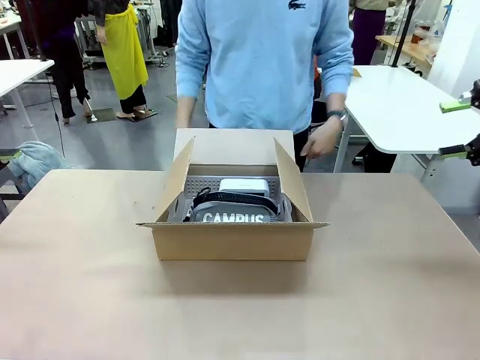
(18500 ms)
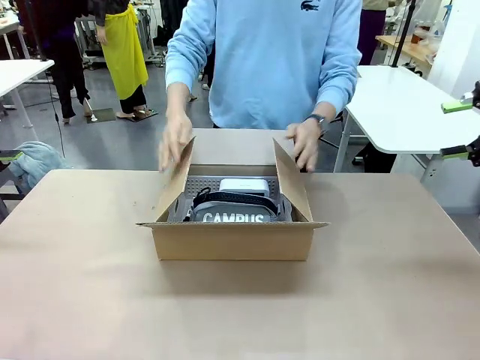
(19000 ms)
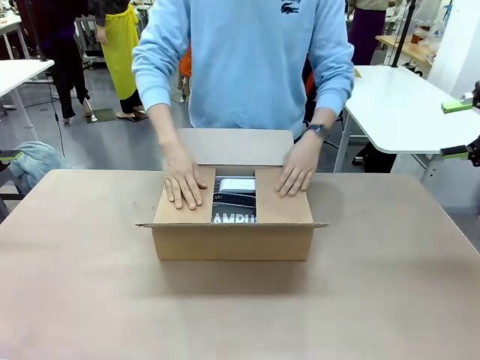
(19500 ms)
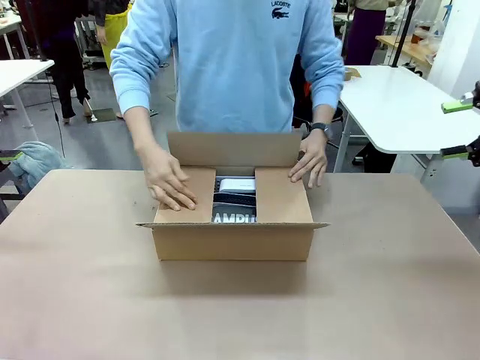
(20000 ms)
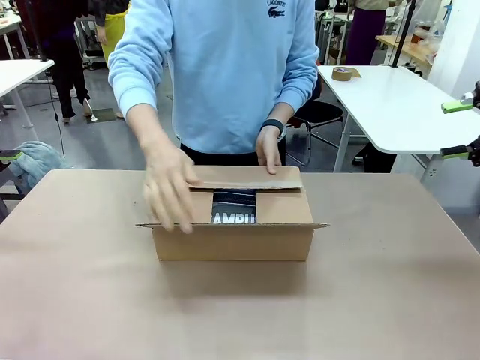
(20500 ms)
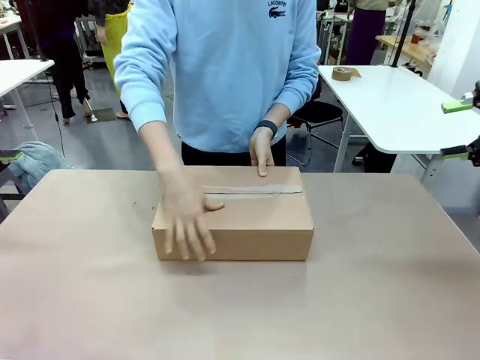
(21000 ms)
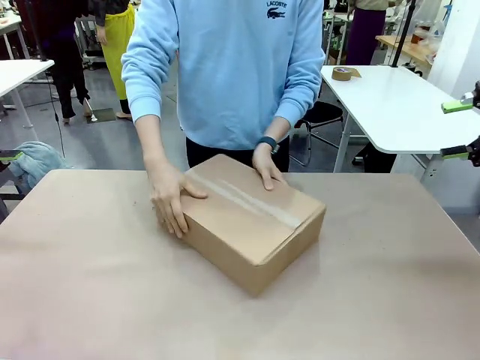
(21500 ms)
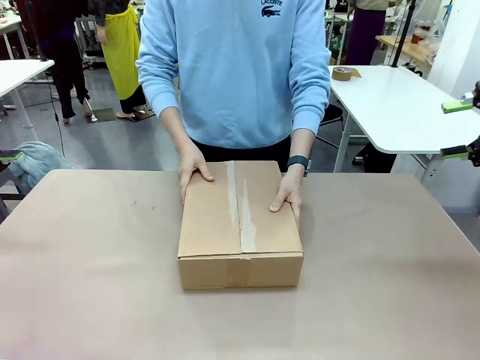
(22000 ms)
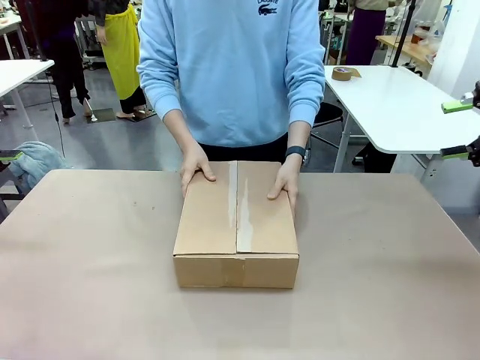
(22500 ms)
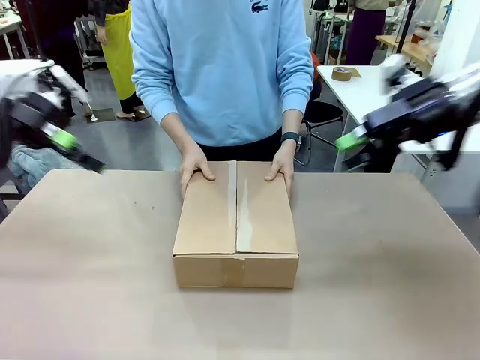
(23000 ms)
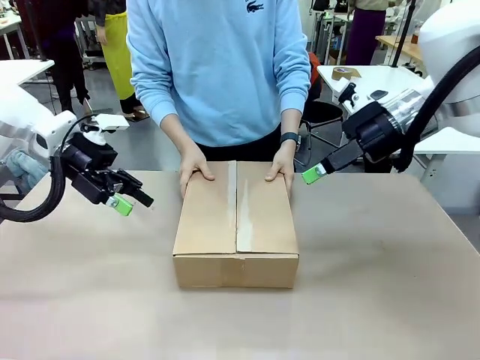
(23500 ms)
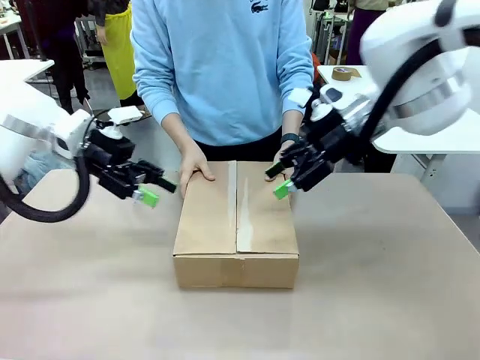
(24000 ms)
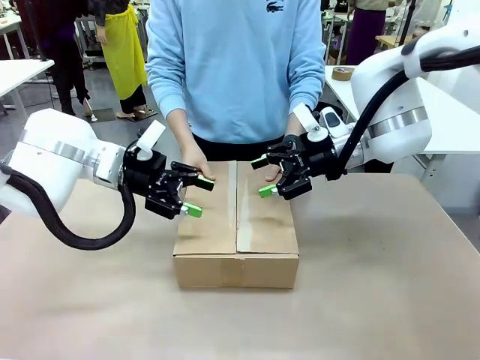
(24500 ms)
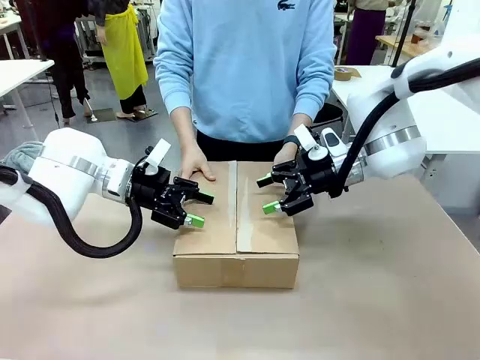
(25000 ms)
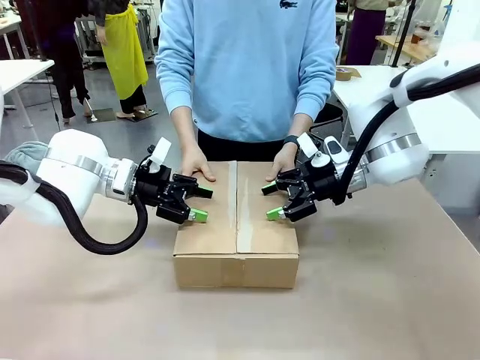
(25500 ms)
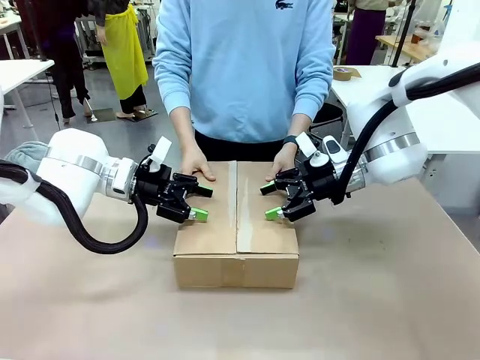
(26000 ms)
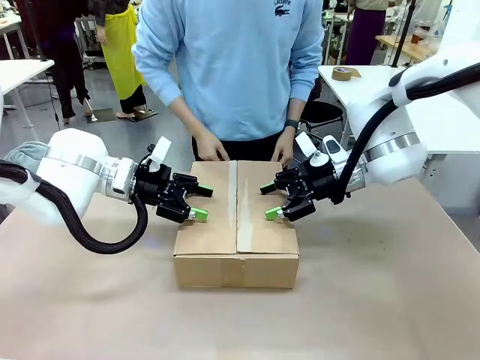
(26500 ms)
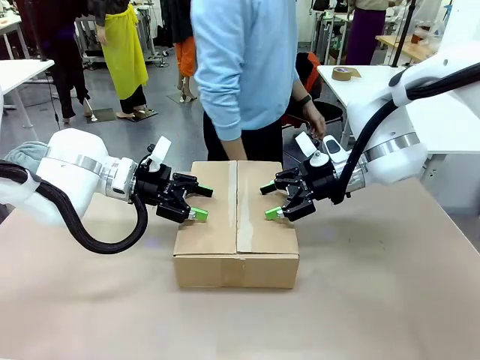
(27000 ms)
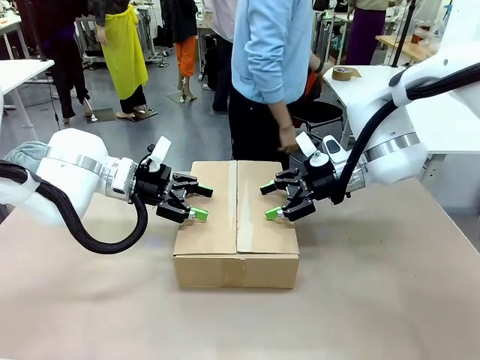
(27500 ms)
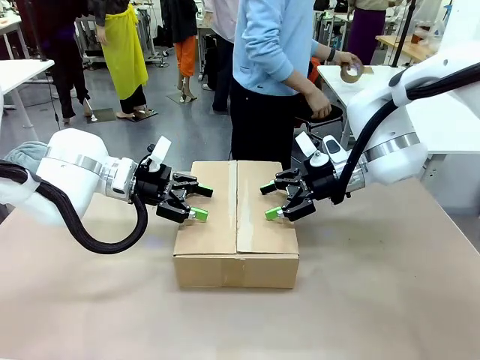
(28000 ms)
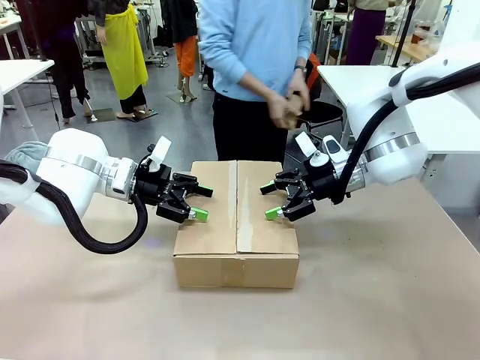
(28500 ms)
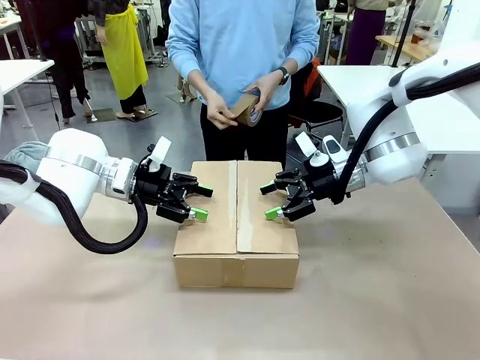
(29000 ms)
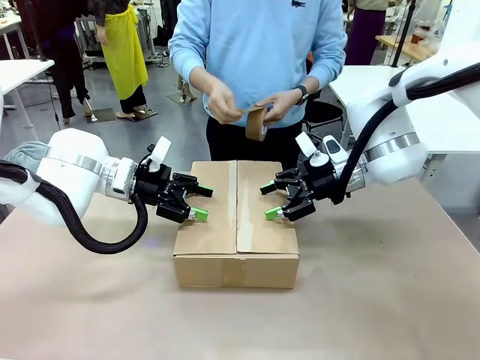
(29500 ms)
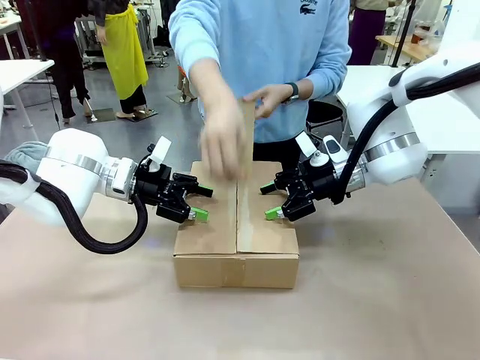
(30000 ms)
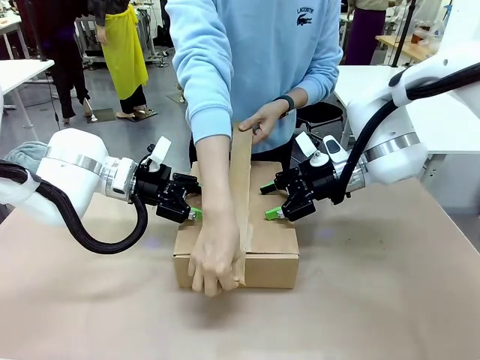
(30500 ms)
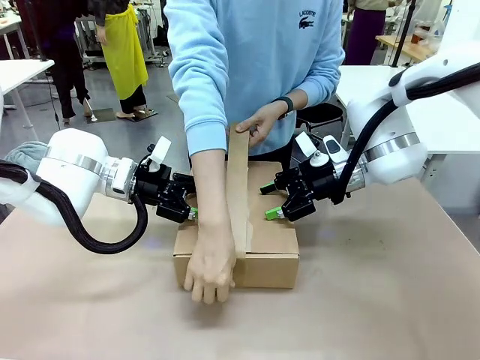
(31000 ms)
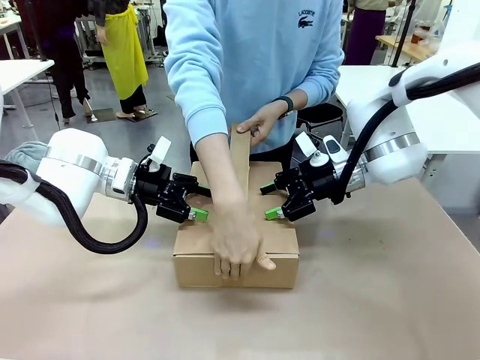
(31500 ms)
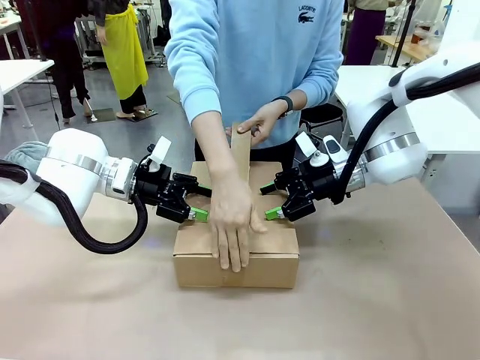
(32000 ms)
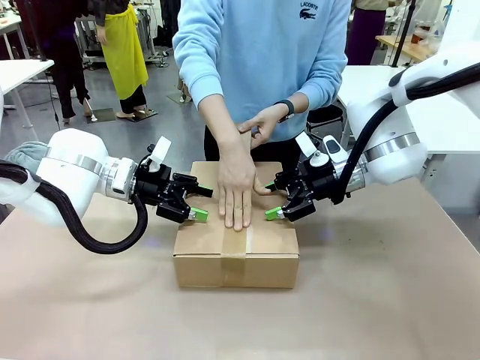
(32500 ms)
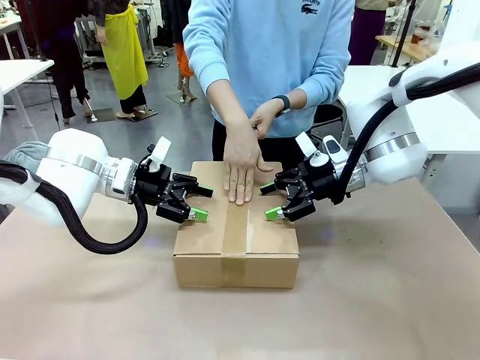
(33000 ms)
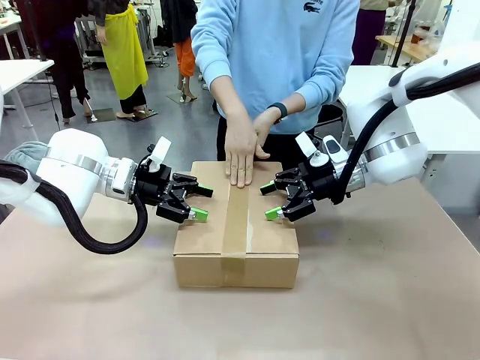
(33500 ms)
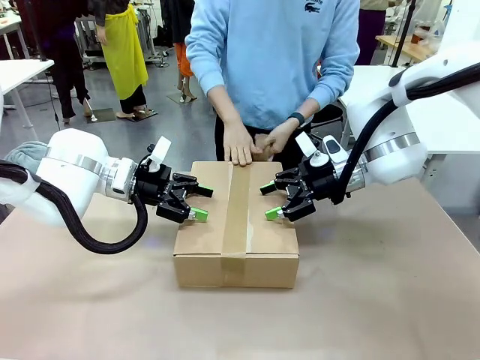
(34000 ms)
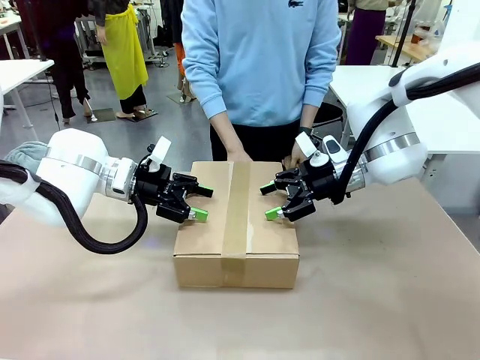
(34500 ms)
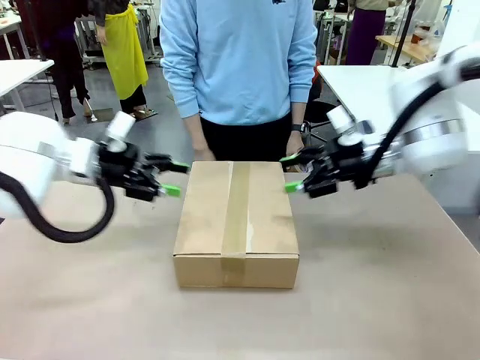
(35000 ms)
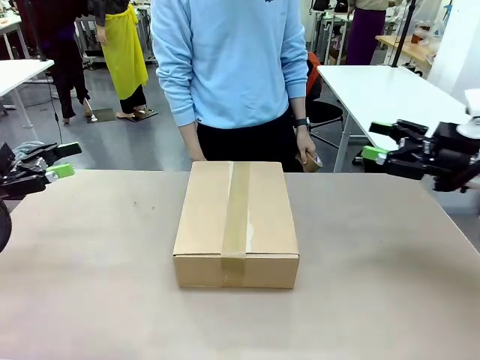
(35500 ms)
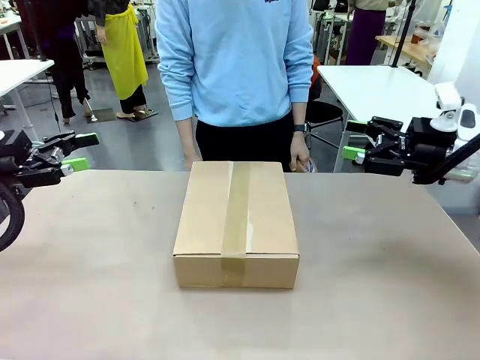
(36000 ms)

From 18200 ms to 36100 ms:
Task: Pack the gift set into the box.
Robot: Press and hold the closed box until the human finishes sealing it.
Person: The human closes the box and rotates the box by 90 degrees. The human picks up the paper tape from the human table and packs the box.

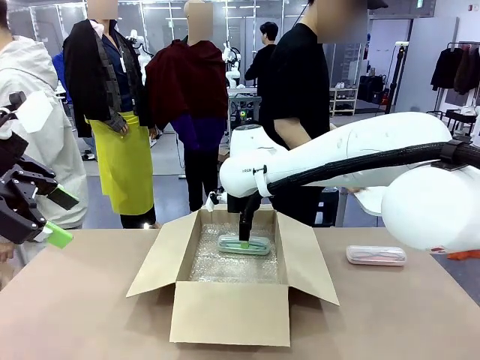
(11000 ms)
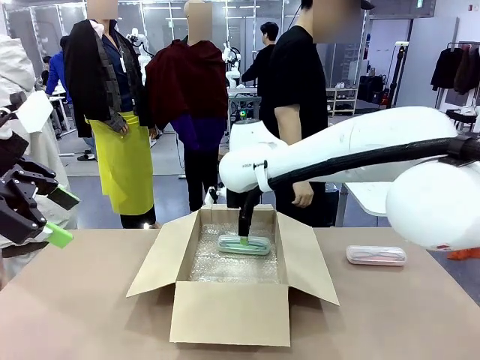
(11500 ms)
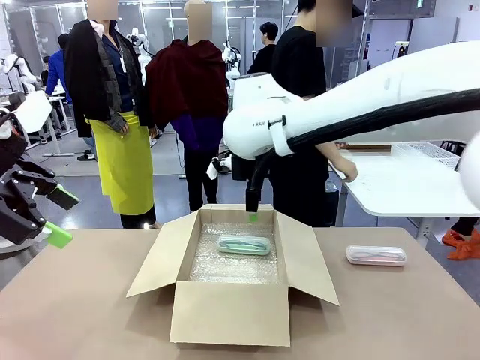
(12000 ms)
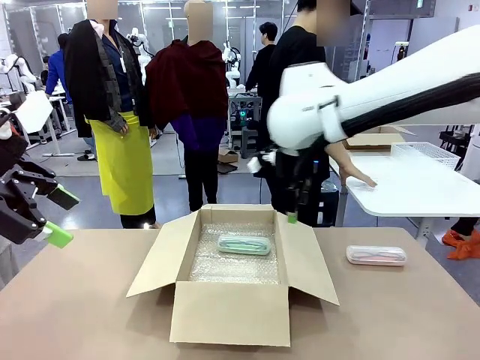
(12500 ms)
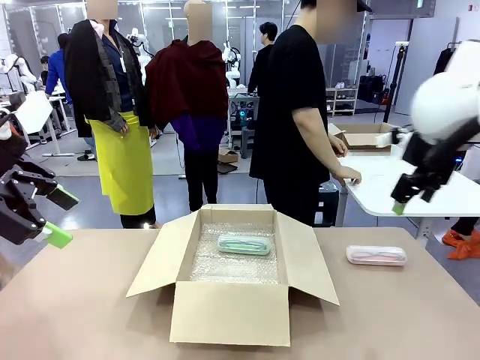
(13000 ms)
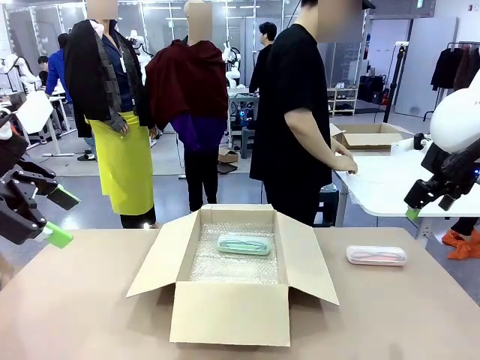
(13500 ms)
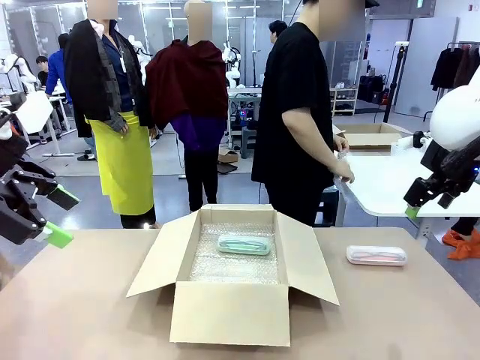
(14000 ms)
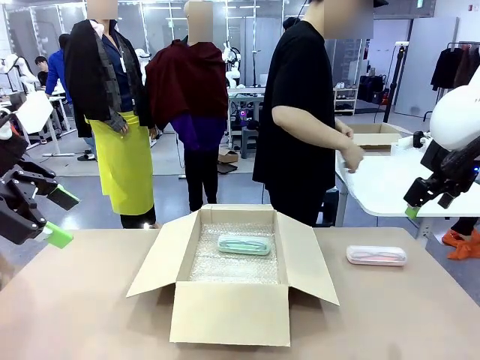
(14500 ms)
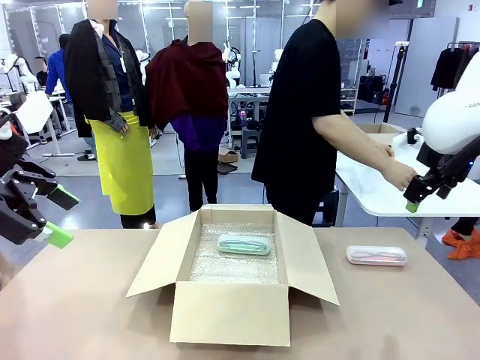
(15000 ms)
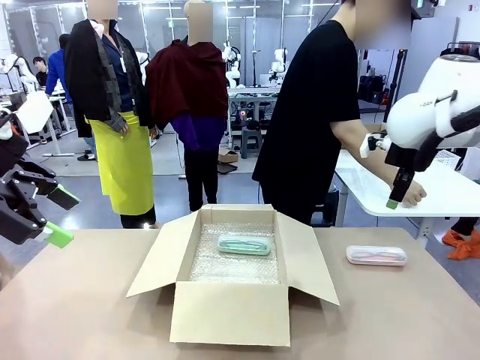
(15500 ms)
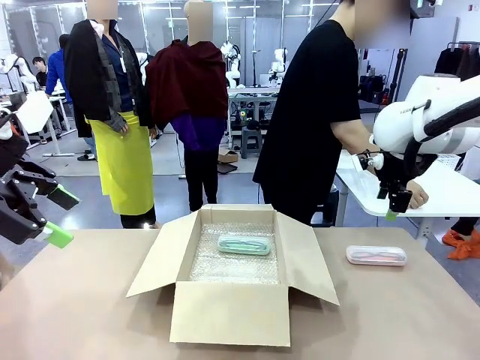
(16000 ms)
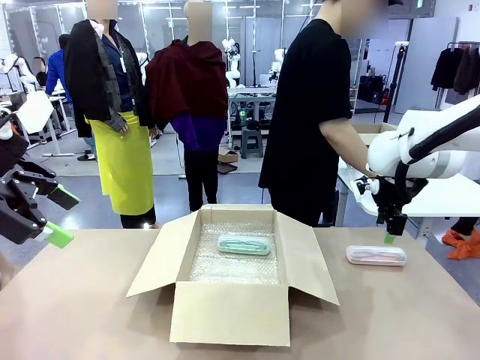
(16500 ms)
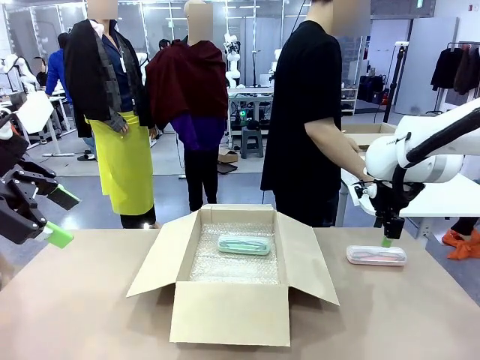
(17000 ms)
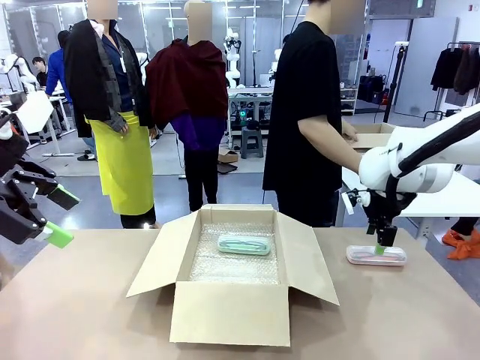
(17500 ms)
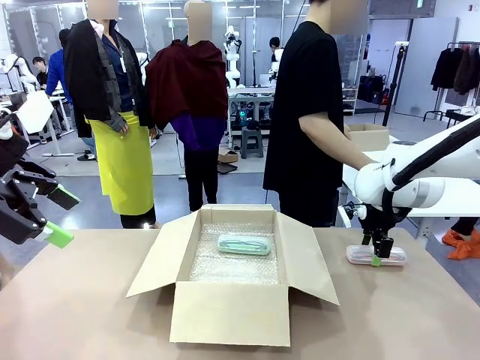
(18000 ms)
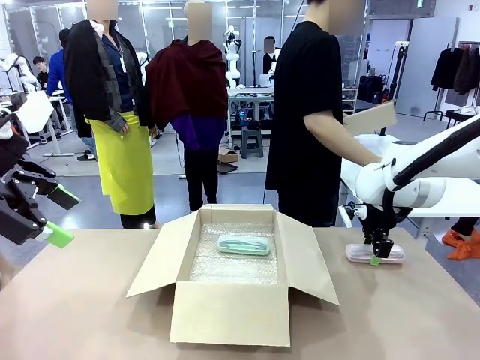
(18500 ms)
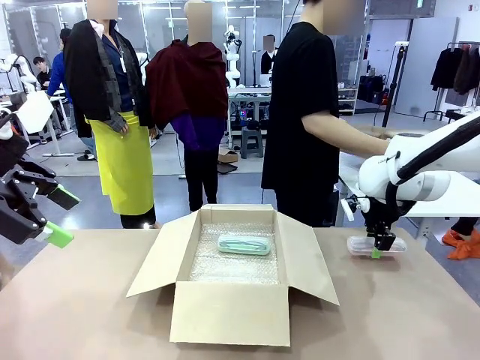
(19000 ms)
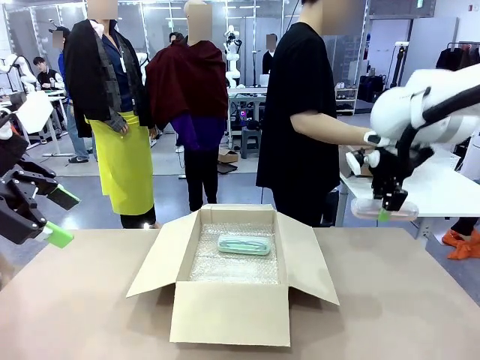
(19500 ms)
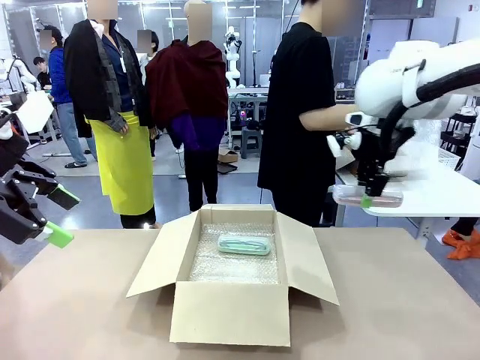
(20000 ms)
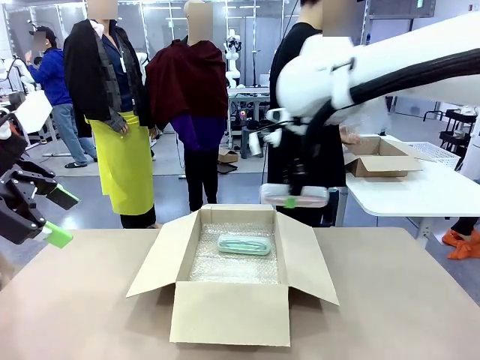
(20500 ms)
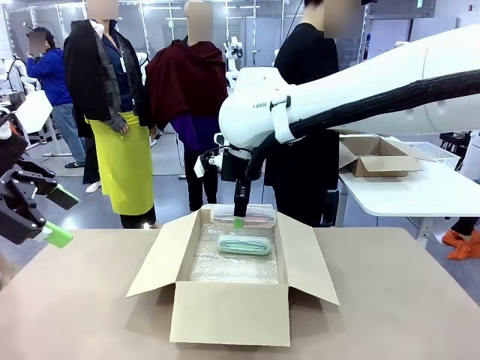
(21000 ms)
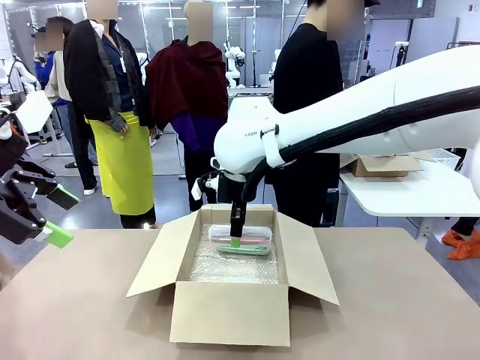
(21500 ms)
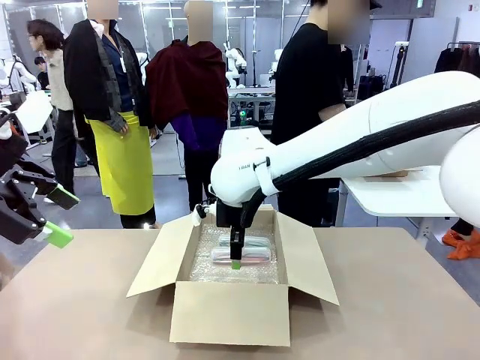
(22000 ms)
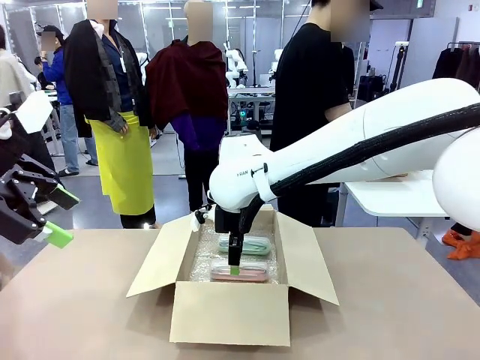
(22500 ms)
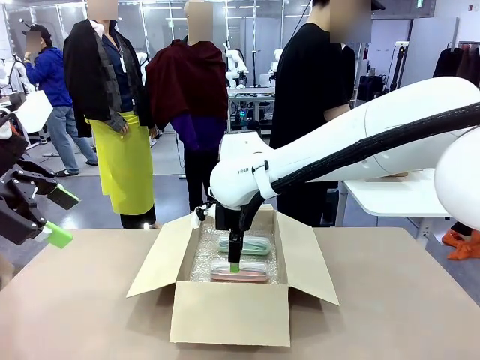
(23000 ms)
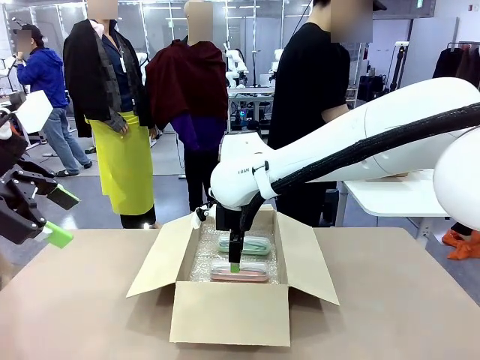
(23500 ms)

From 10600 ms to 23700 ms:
Task: Pack the glasses set securely to prepare it for shipping.
Robot: Put the Glasses case from the right side of the table into the Package Box.
